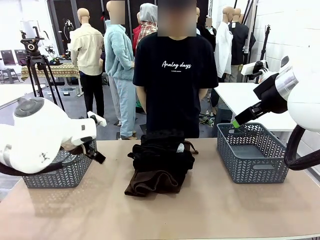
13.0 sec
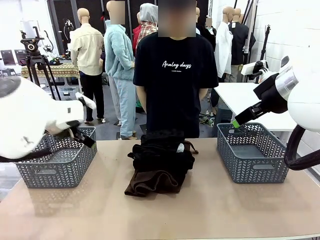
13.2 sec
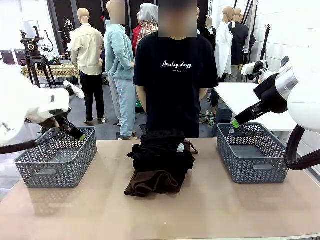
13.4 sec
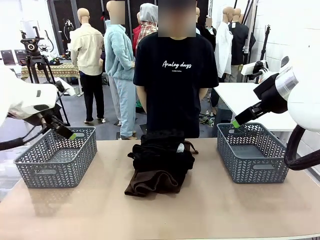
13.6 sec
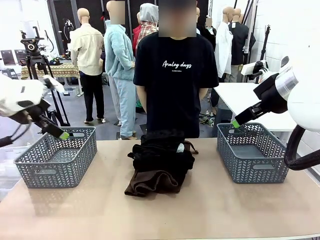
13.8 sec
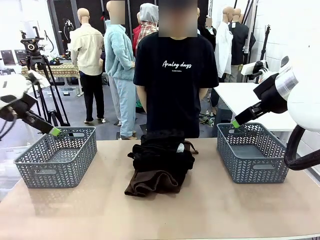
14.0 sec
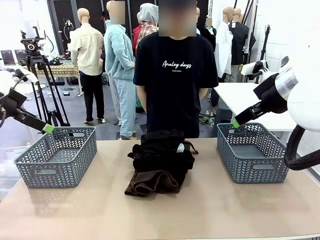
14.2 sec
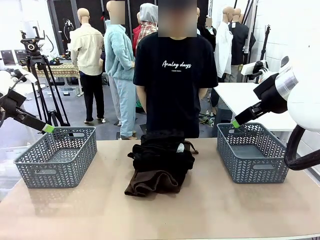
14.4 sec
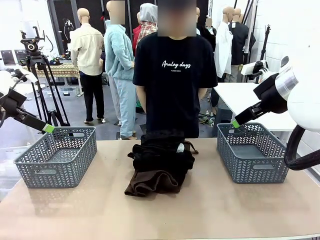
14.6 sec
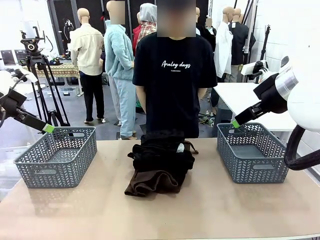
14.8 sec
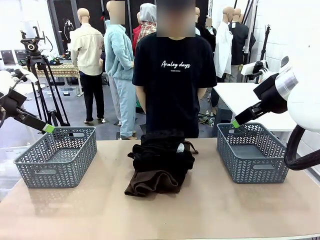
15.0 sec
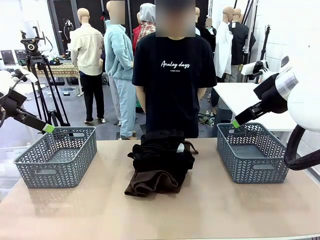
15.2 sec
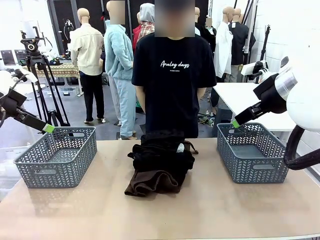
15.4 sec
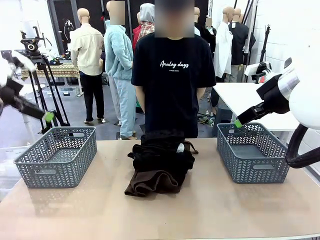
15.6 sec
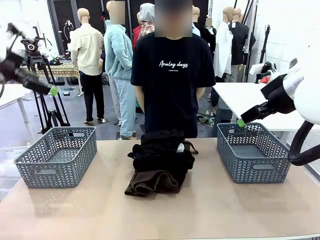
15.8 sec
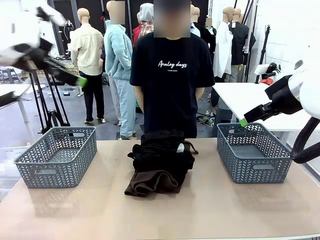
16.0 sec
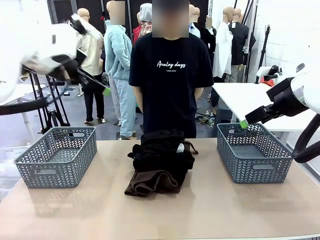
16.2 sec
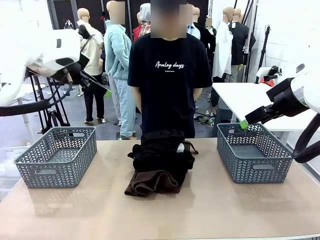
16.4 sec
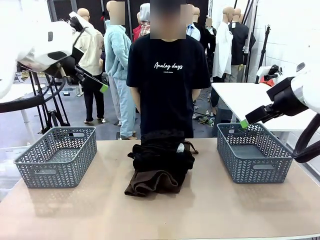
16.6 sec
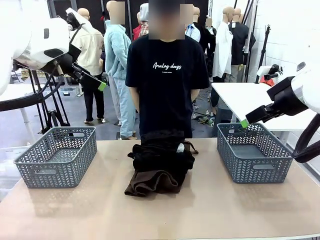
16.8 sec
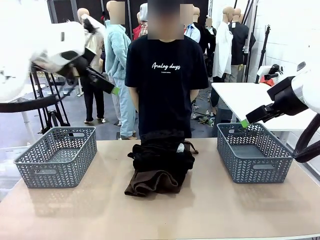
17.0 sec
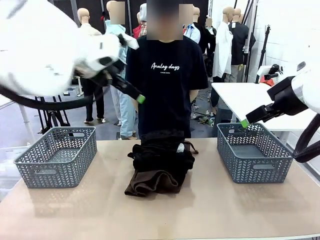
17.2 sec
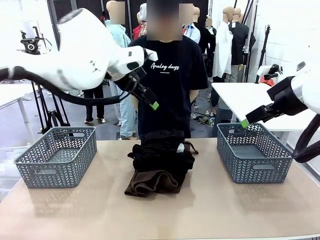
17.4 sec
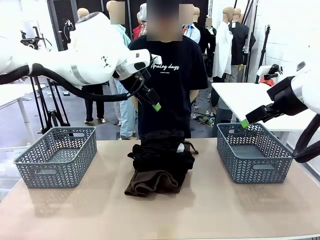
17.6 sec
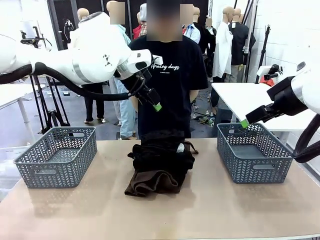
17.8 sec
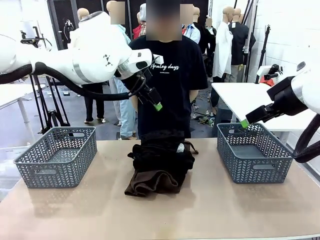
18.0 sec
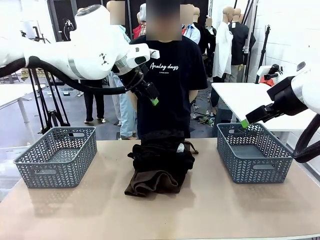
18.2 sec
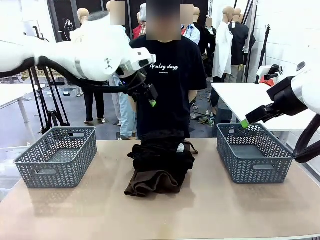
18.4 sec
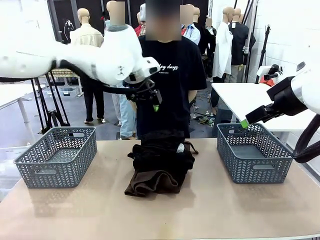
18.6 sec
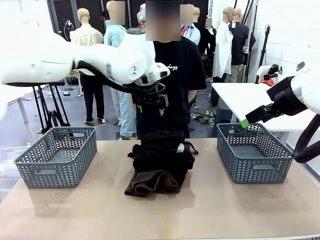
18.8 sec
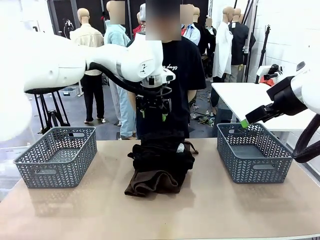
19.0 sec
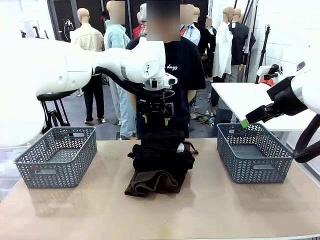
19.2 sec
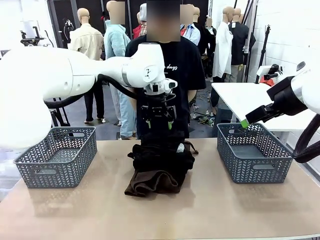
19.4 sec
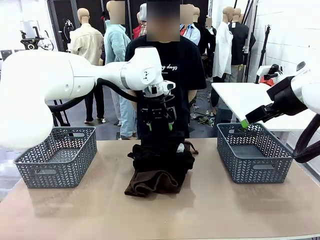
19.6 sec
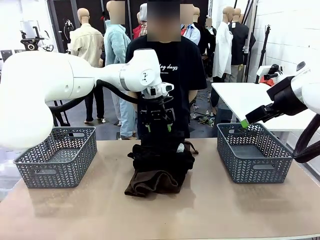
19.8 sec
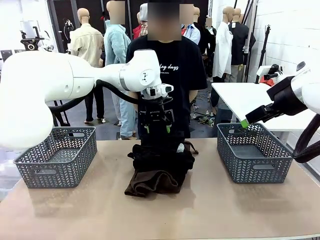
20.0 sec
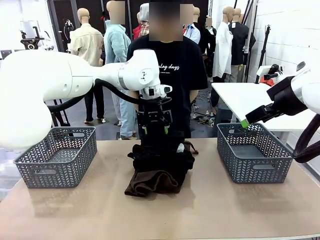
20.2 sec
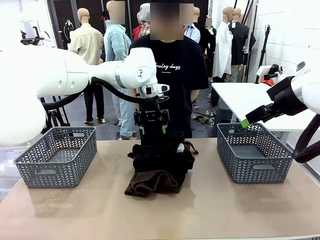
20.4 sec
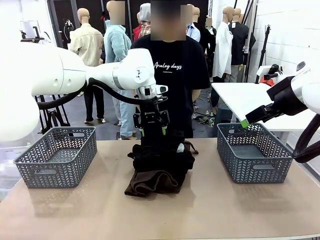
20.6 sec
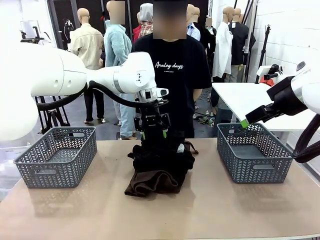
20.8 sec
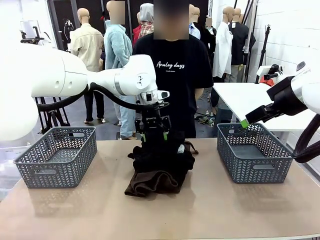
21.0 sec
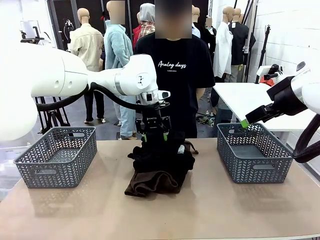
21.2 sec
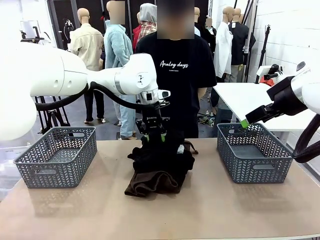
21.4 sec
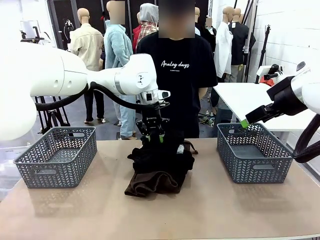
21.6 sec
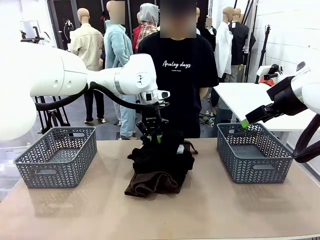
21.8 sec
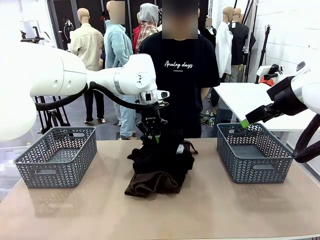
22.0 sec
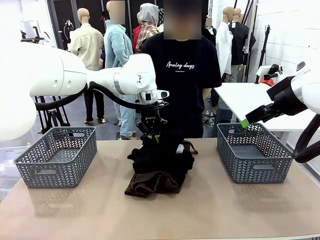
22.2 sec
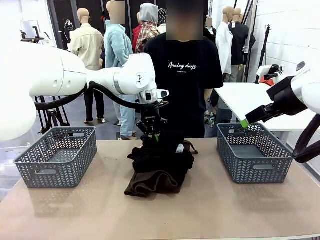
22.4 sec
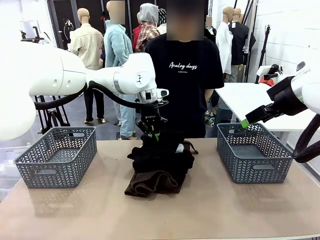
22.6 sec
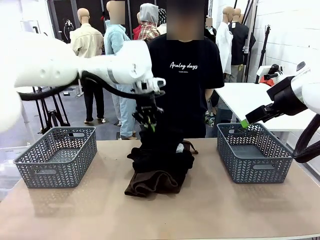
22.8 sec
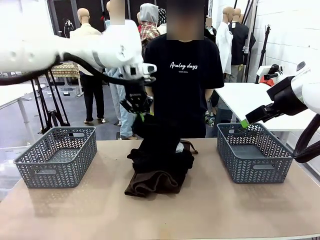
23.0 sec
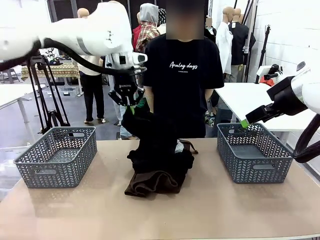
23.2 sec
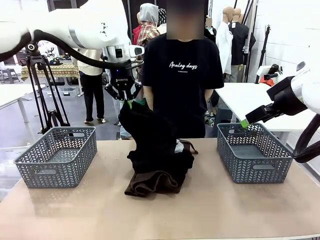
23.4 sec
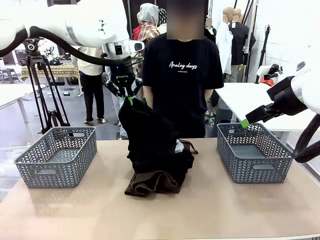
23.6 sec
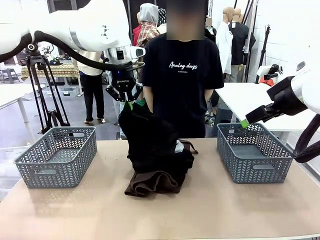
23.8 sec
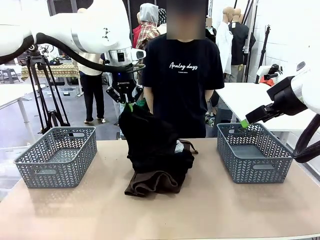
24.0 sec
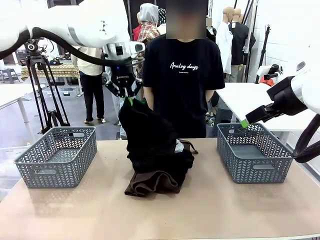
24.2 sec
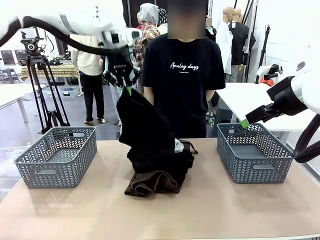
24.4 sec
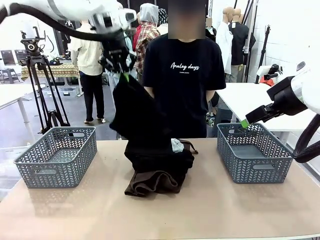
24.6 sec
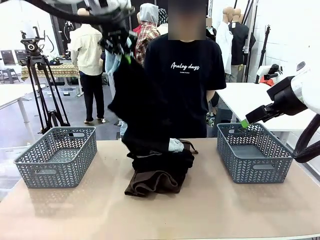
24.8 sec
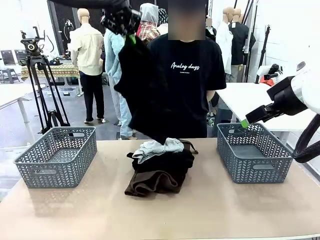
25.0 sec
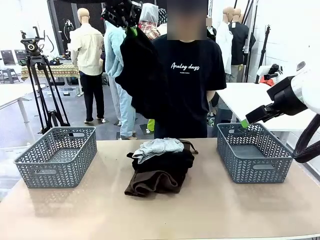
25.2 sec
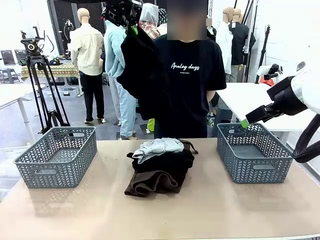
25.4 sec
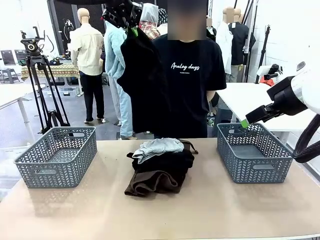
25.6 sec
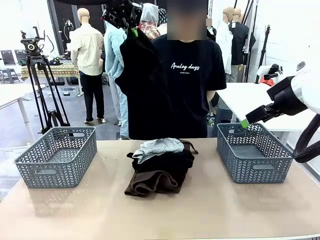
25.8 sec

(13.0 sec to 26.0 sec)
Task: Sort the tops and bottoms.
Robot: Lift clothes from the center of the table with your left hand.
